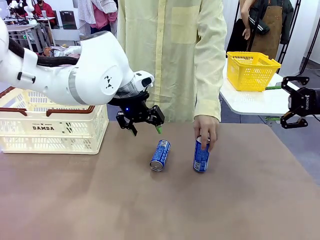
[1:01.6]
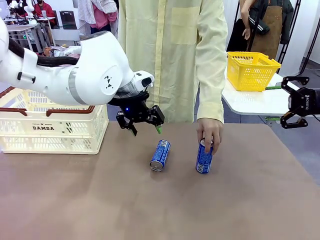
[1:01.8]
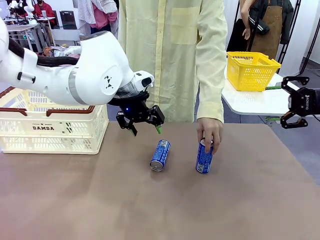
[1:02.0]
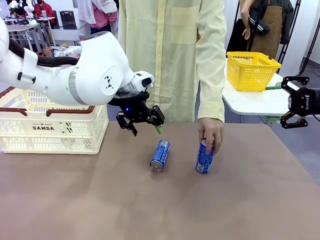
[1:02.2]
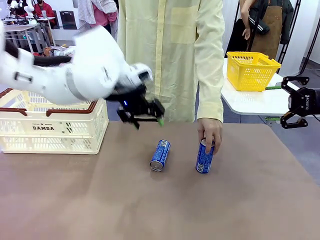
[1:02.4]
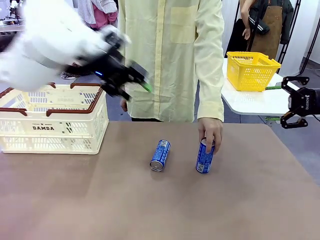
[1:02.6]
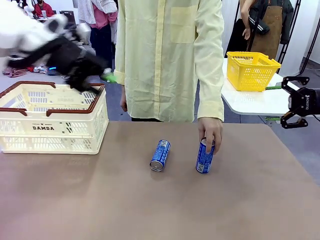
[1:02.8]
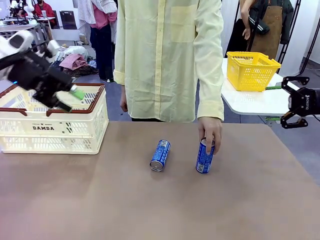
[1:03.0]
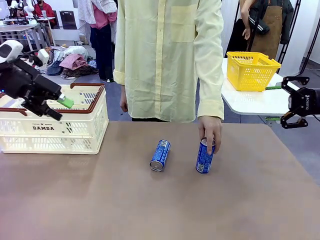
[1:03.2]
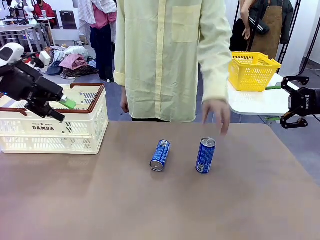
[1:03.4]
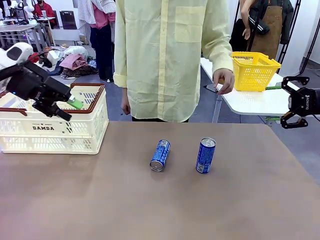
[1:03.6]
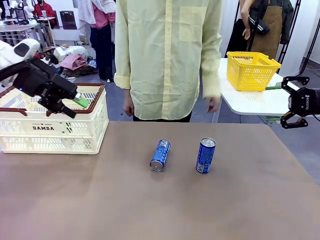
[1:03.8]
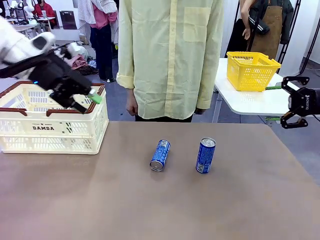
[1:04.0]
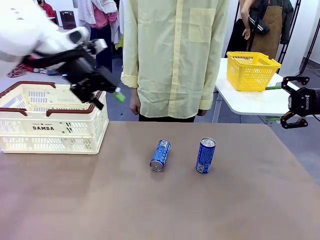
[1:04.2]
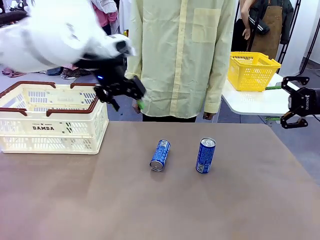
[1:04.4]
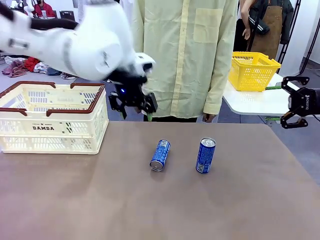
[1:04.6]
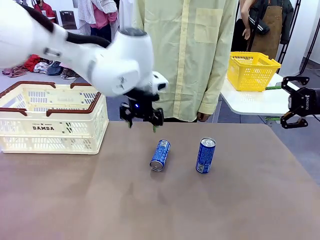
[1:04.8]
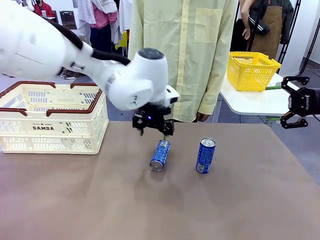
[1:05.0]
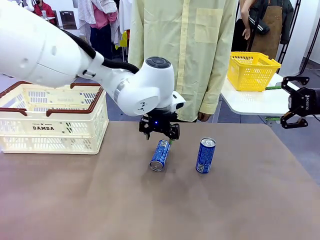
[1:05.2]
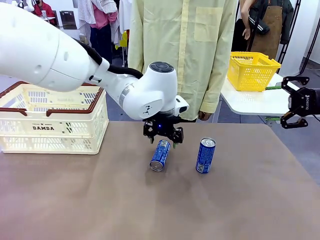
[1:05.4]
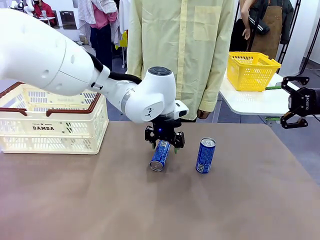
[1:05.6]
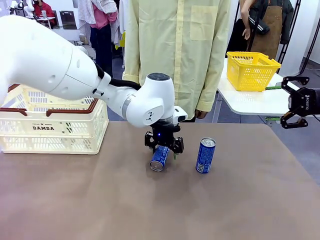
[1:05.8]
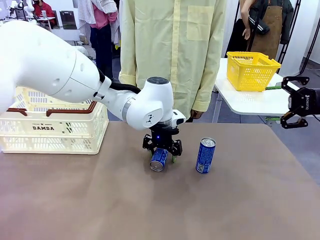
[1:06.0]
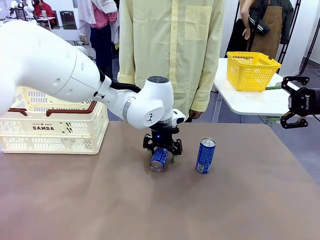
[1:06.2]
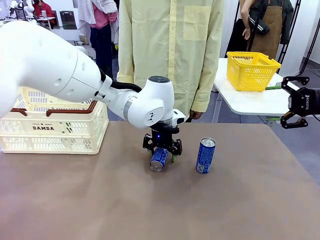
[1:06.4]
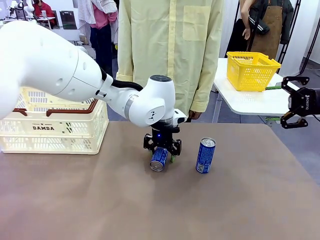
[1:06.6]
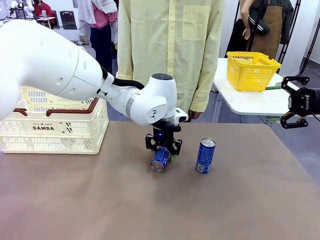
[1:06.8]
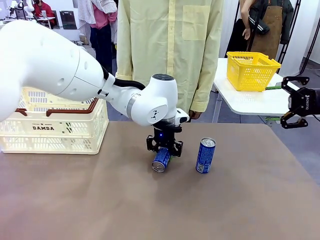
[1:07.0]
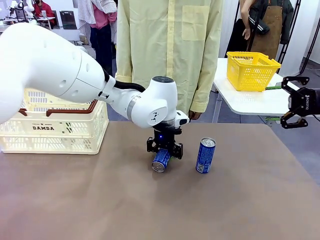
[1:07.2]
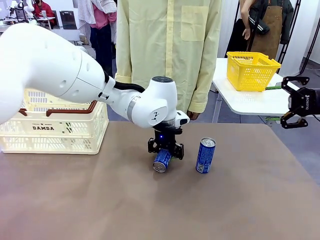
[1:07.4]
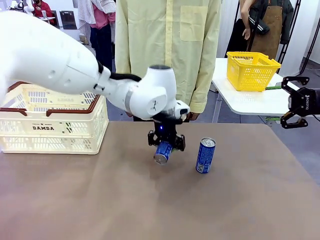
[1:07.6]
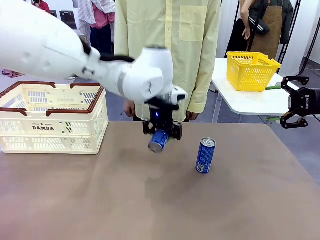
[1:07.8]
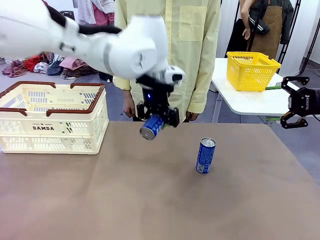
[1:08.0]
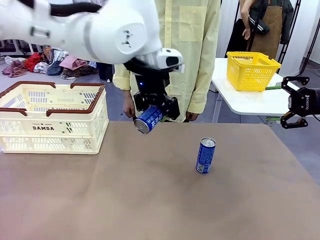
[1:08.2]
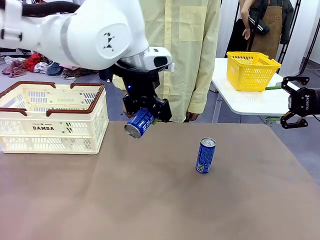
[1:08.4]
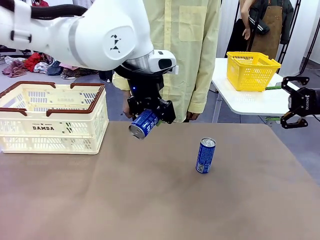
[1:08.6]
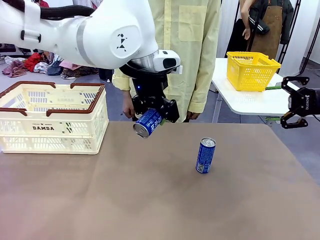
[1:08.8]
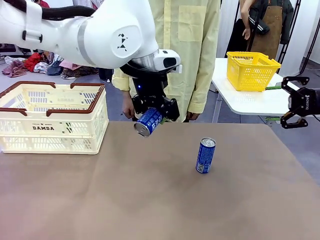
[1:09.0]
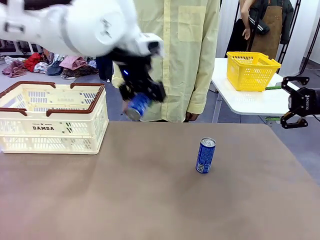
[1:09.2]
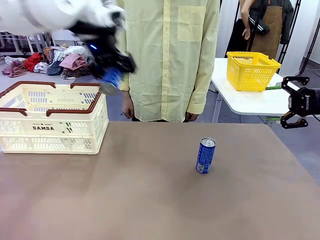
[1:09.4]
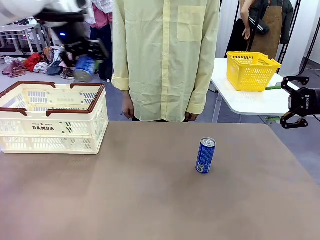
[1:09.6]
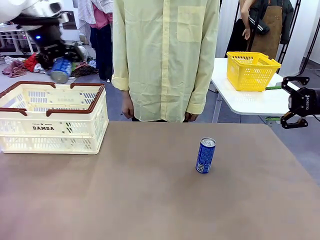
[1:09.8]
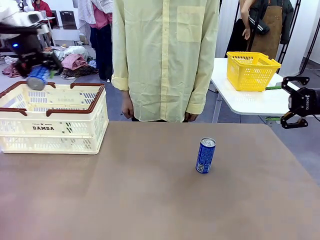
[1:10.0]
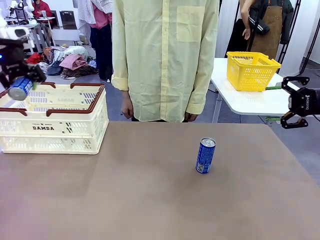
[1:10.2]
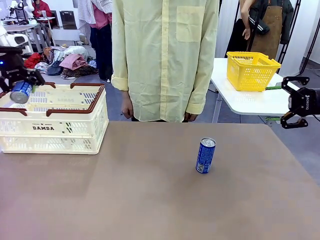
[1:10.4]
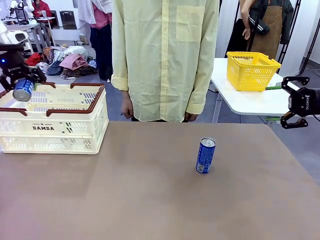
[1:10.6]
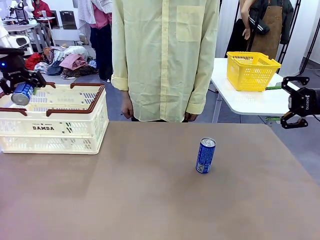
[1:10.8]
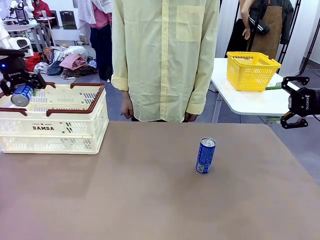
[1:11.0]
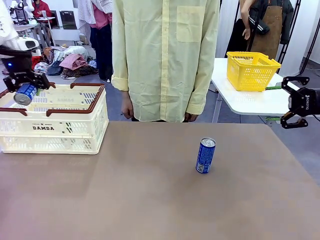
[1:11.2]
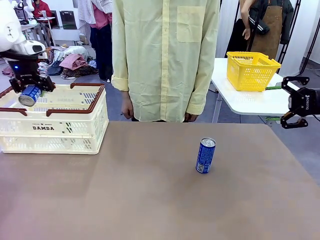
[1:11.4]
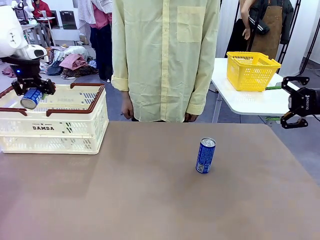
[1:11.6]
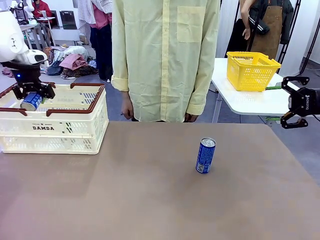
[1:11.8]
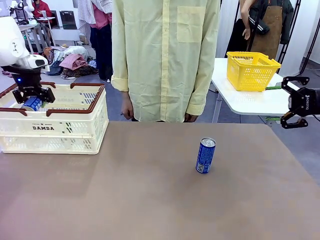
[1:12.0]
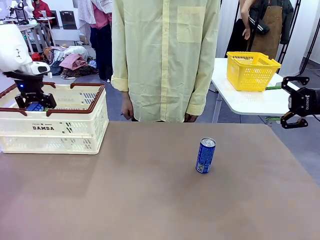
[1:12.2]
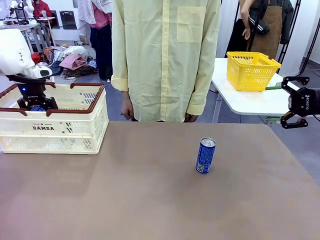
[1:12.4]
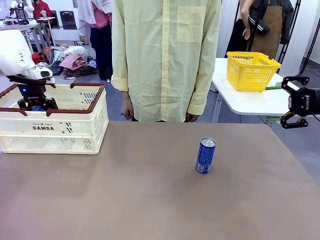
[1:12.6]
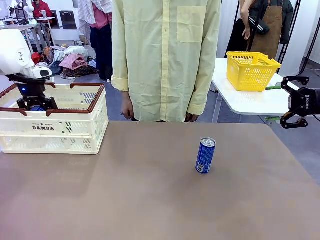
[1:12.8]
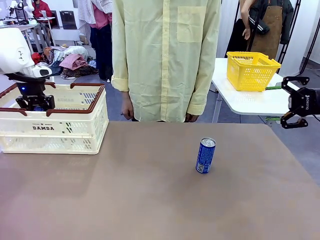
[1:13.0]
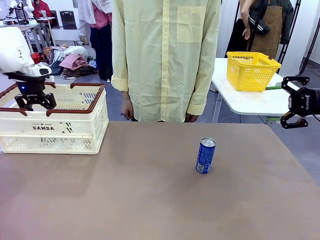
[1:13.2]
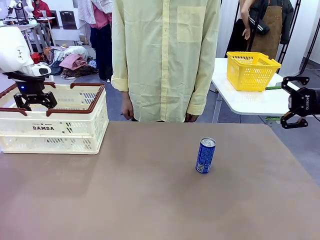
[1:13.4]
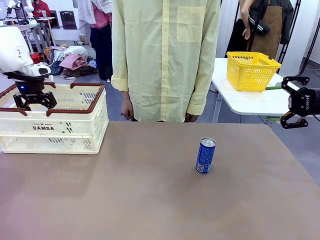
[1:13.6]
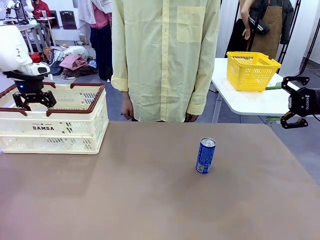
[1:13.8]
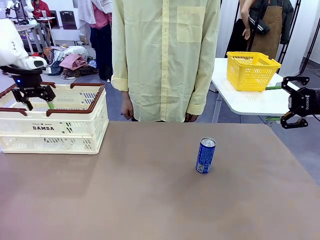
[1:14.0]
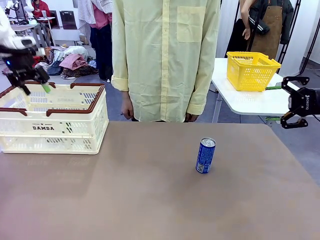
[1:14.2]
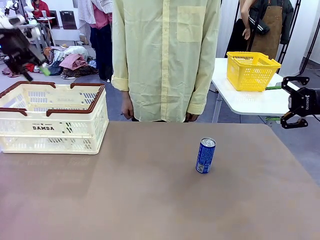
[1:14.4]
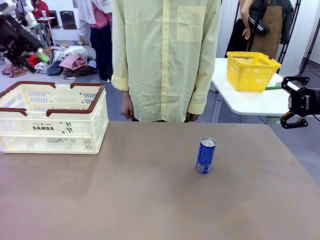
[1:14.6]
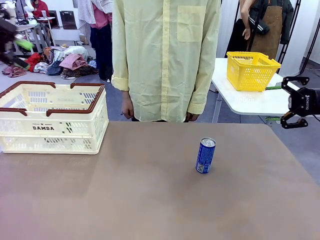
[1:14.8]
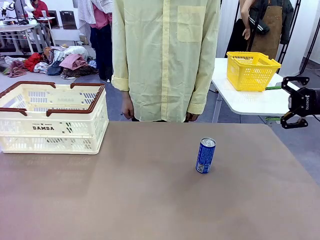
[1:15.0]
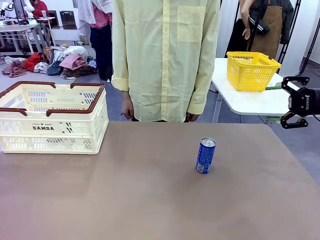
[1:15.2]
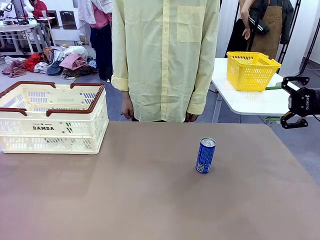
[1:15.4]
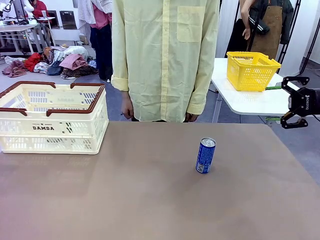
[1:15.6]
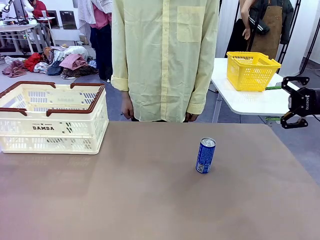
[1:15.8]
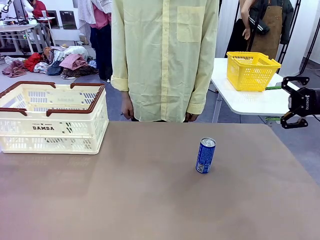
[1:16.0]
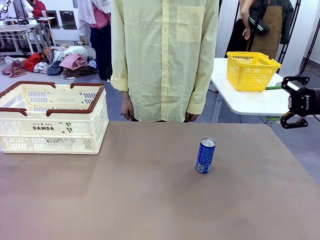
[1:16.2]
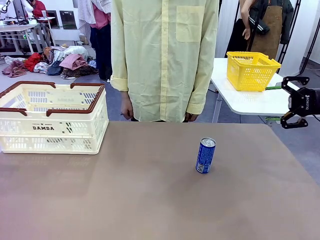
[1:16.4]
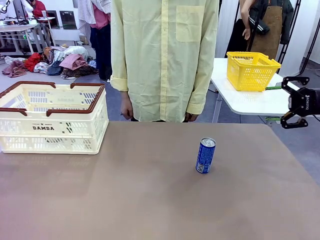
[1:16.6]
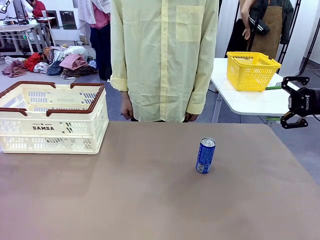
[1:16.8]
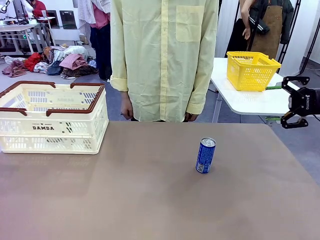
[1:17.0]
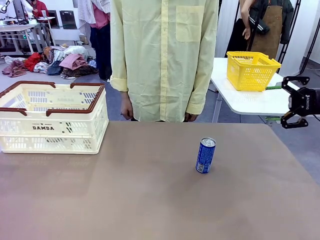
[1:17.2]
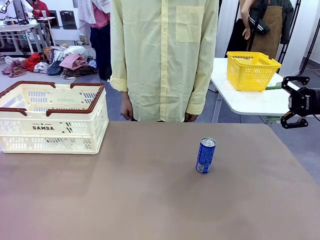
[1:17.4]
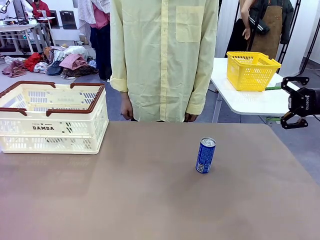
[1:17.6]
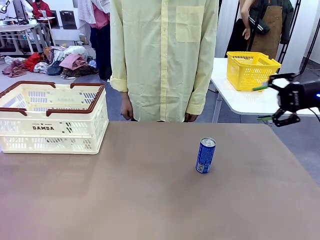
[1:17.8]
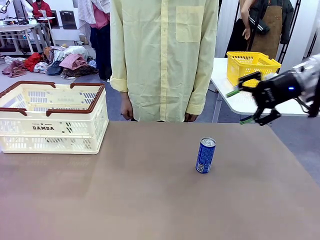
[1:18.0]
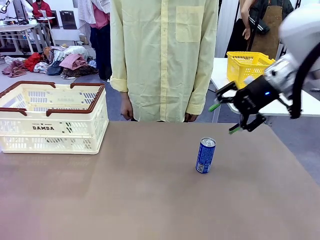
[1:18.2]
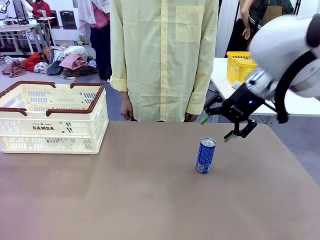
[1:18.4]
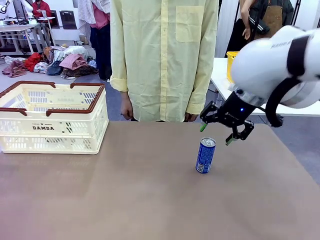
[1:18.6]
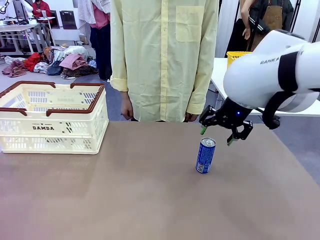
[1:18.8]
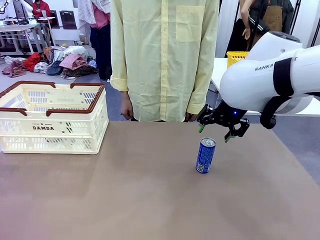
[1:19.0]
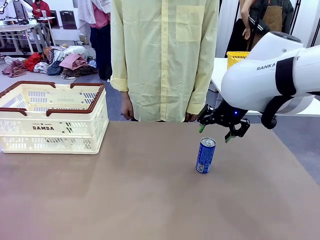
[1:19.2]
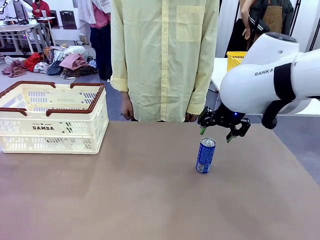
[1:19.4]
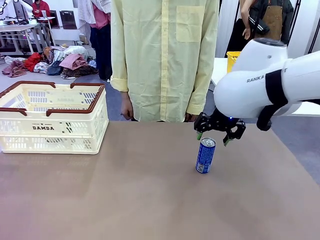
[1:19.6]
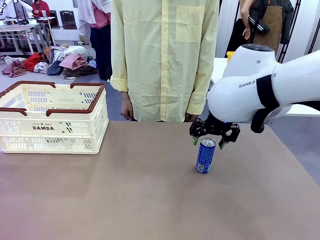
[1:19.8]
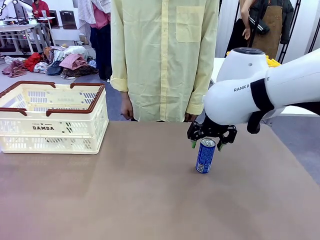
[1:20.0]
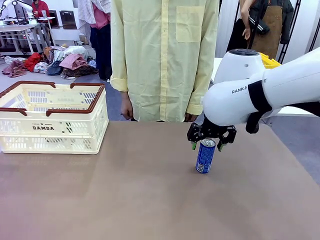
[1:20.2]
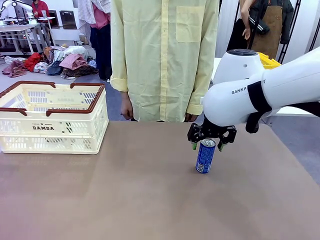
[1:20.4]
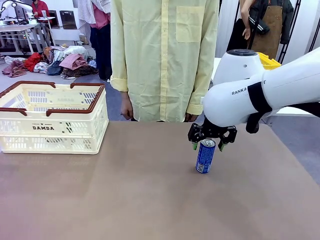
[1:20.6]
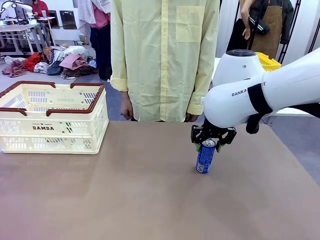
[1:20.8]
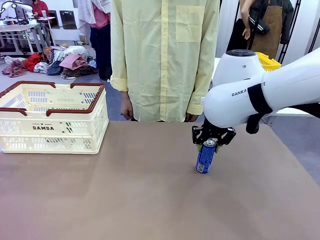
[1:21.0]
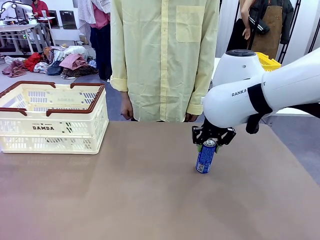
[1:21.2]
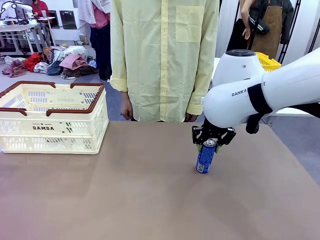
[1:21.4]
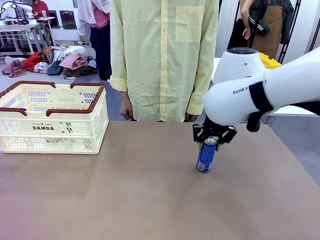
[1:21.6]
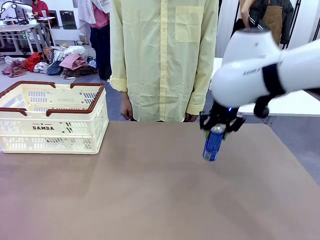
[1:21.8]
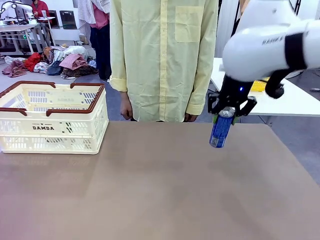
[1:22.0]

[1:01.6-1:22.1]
Task: Place the drinks into the Shopping basket.
Robot: Pick up one drink and place it into the Shopping basket.
